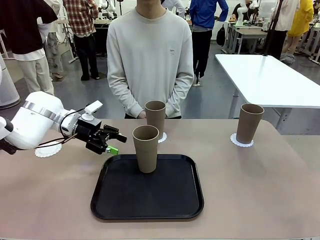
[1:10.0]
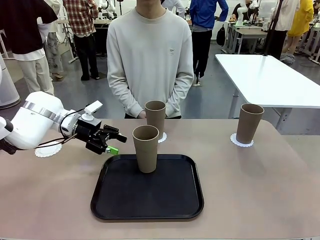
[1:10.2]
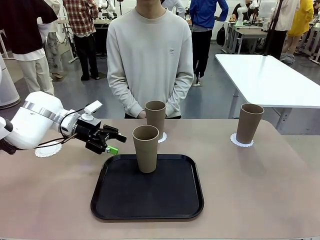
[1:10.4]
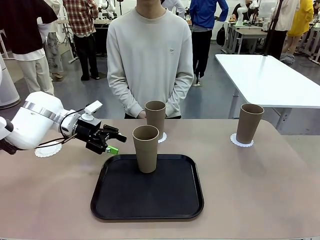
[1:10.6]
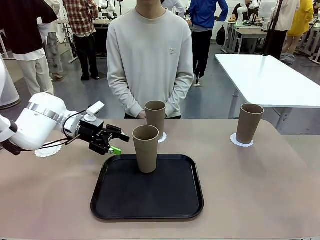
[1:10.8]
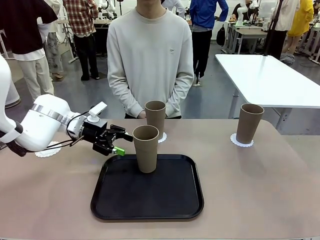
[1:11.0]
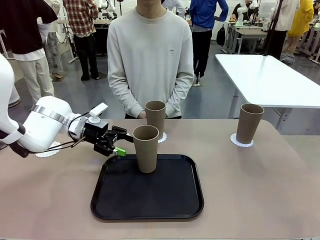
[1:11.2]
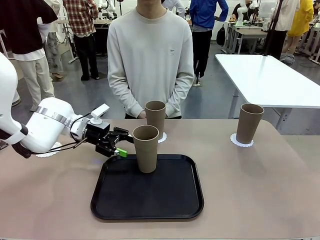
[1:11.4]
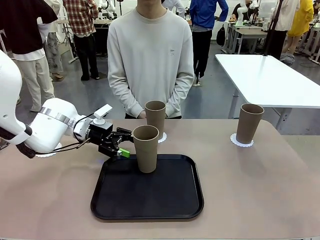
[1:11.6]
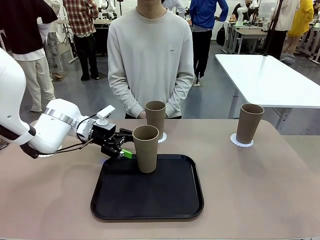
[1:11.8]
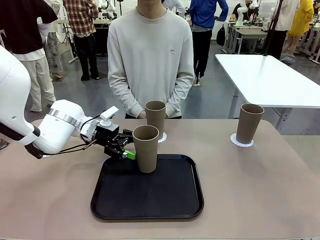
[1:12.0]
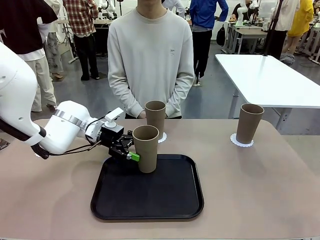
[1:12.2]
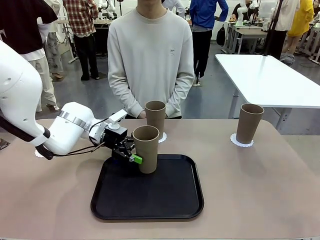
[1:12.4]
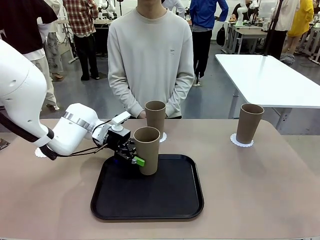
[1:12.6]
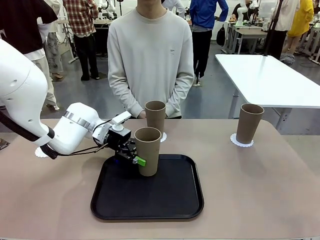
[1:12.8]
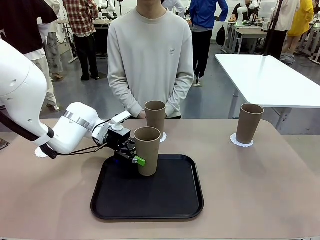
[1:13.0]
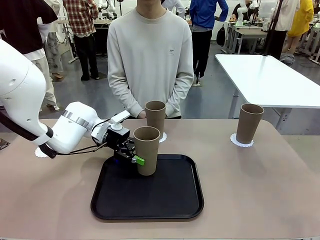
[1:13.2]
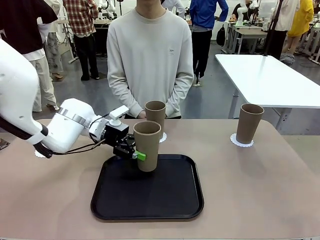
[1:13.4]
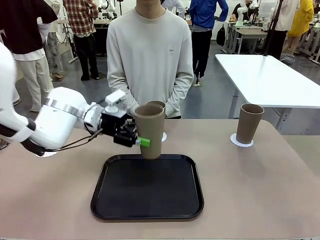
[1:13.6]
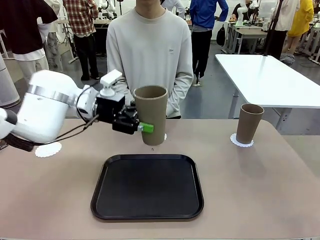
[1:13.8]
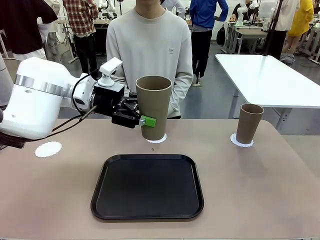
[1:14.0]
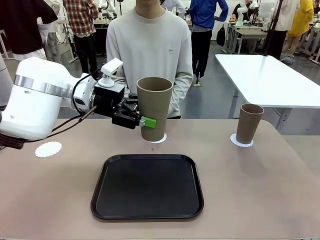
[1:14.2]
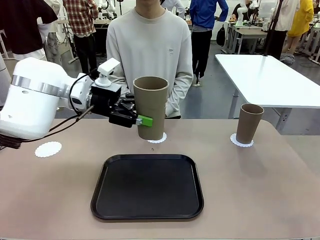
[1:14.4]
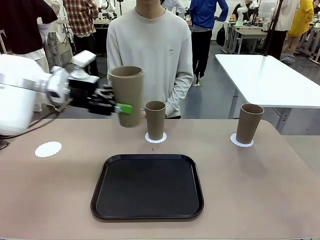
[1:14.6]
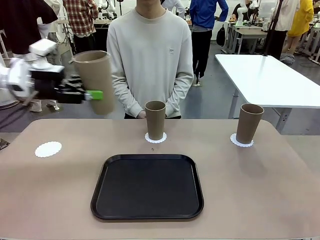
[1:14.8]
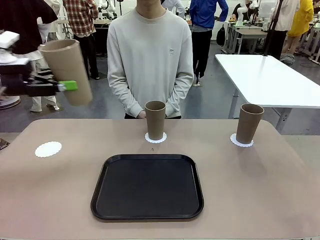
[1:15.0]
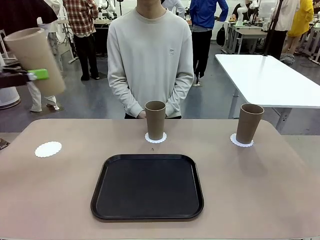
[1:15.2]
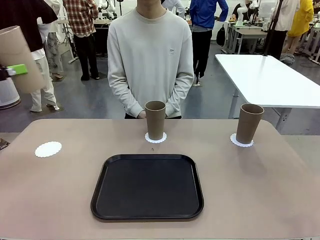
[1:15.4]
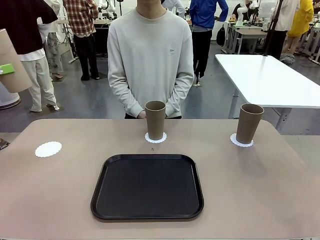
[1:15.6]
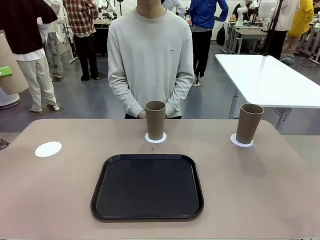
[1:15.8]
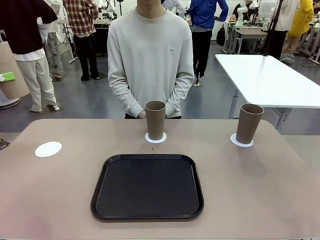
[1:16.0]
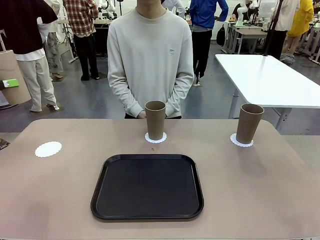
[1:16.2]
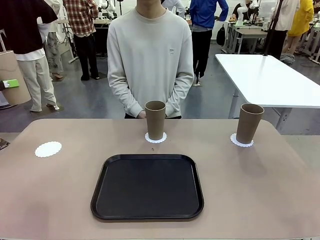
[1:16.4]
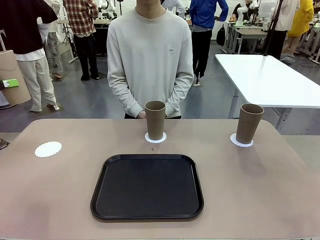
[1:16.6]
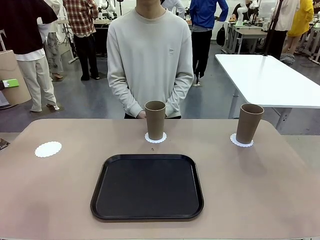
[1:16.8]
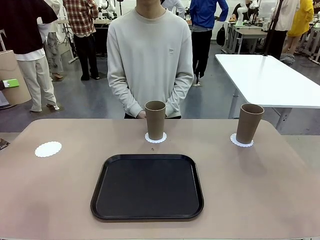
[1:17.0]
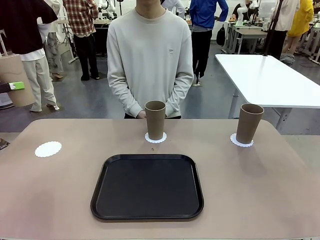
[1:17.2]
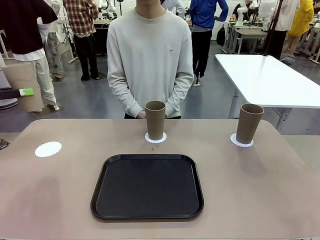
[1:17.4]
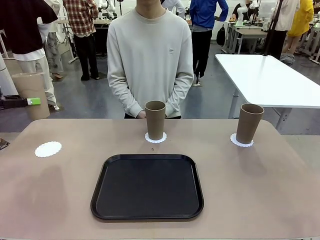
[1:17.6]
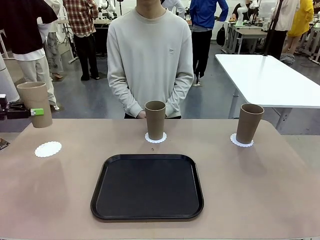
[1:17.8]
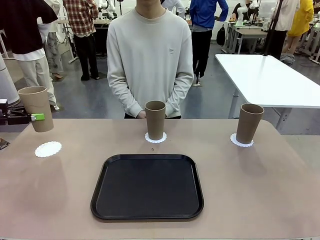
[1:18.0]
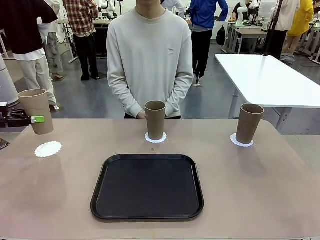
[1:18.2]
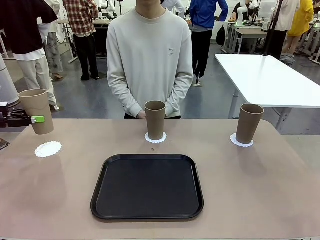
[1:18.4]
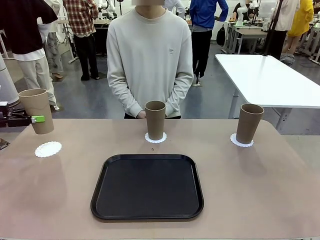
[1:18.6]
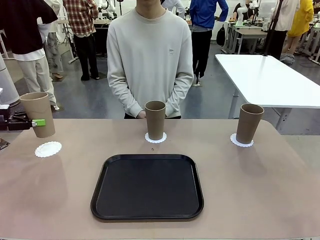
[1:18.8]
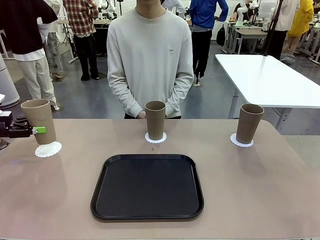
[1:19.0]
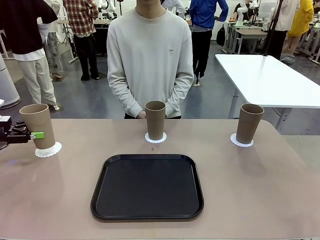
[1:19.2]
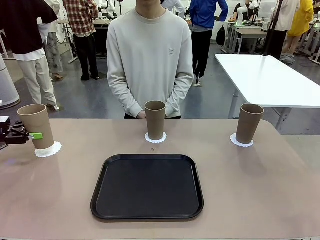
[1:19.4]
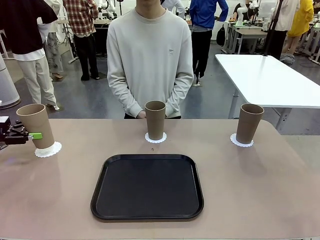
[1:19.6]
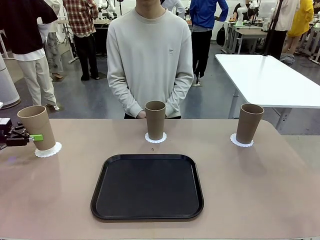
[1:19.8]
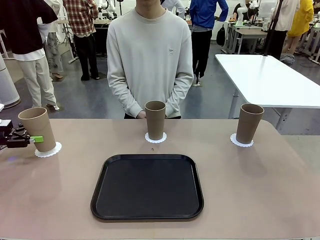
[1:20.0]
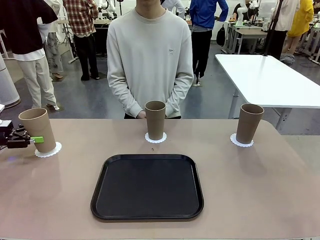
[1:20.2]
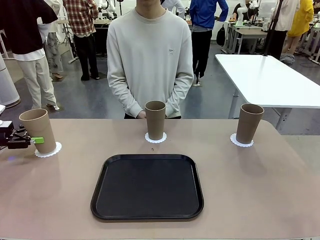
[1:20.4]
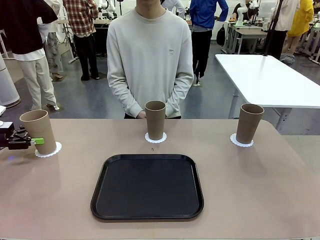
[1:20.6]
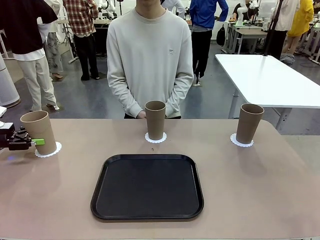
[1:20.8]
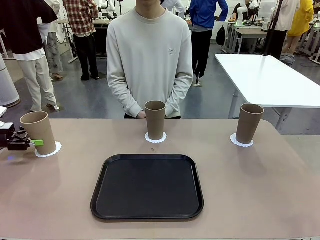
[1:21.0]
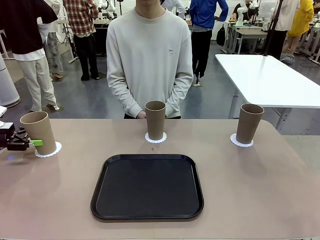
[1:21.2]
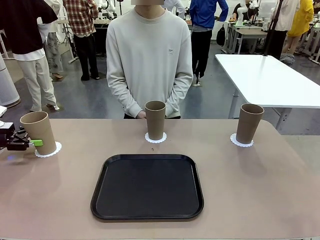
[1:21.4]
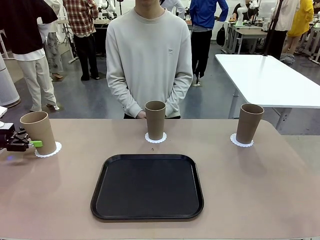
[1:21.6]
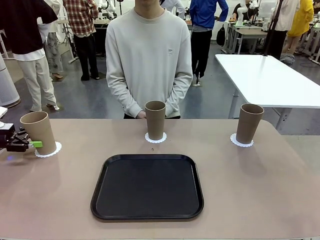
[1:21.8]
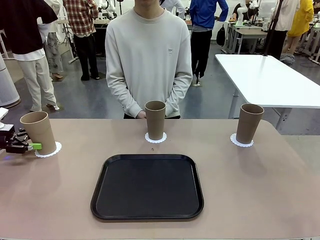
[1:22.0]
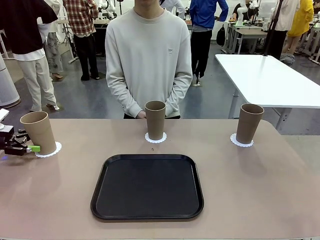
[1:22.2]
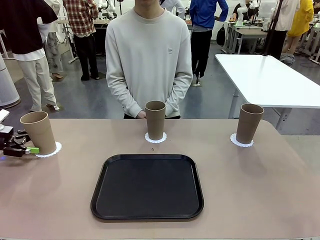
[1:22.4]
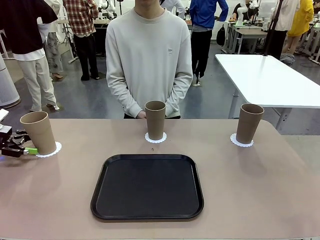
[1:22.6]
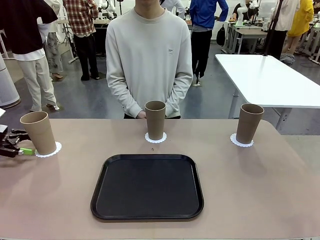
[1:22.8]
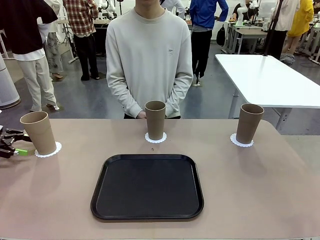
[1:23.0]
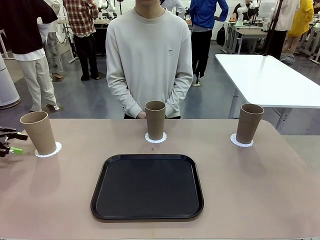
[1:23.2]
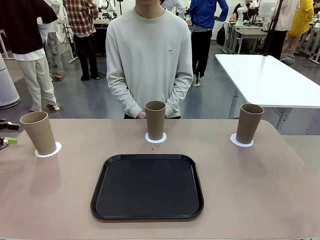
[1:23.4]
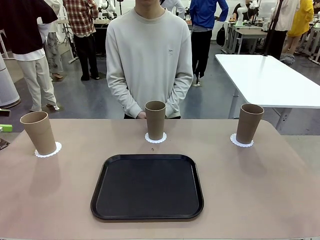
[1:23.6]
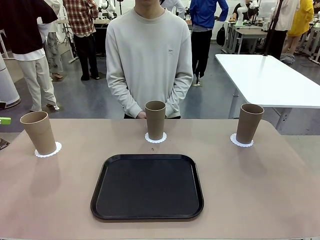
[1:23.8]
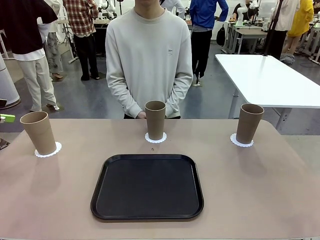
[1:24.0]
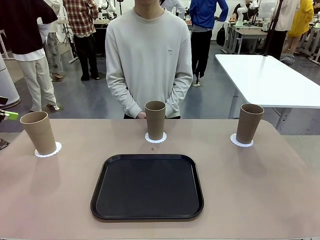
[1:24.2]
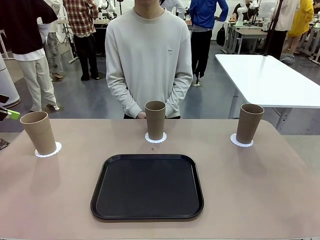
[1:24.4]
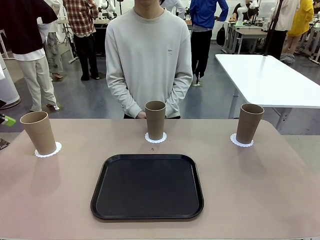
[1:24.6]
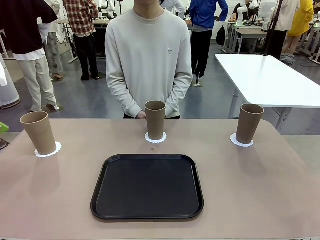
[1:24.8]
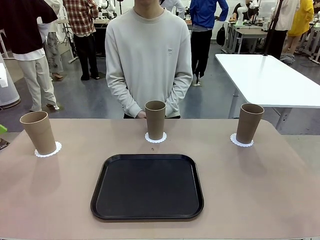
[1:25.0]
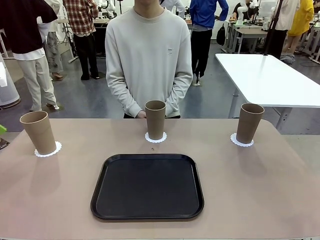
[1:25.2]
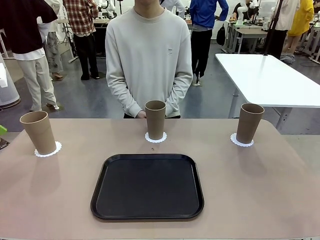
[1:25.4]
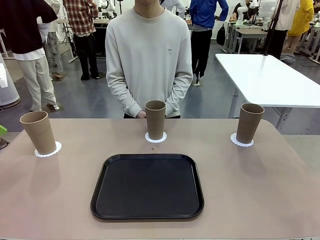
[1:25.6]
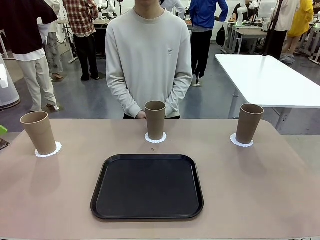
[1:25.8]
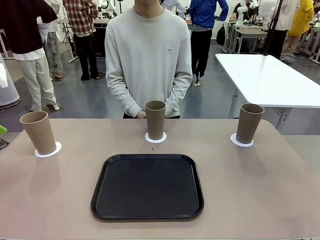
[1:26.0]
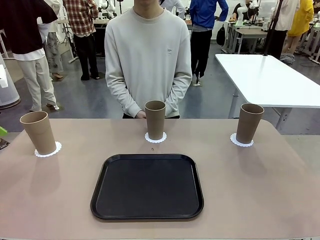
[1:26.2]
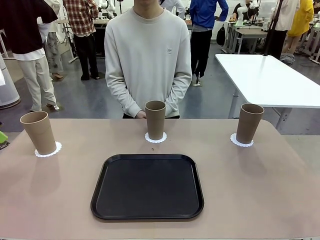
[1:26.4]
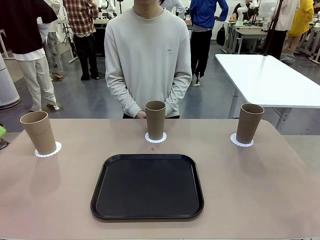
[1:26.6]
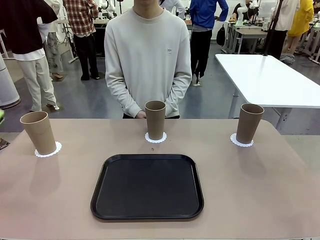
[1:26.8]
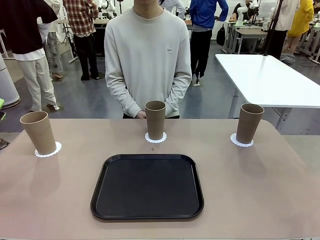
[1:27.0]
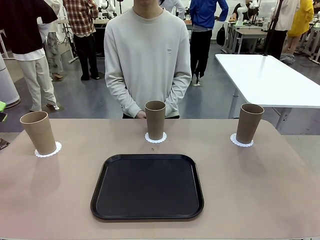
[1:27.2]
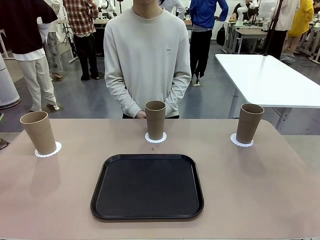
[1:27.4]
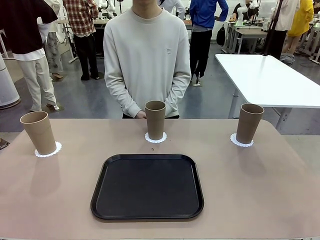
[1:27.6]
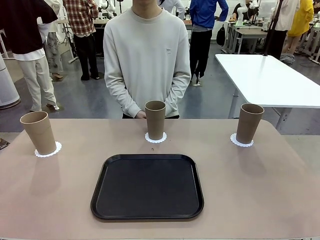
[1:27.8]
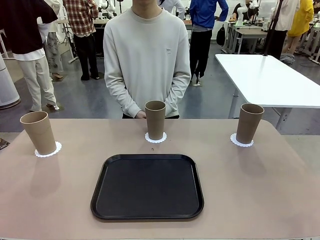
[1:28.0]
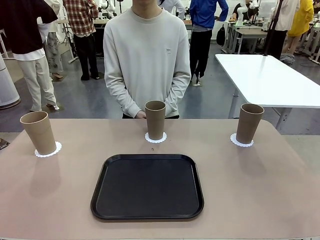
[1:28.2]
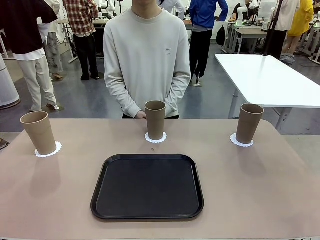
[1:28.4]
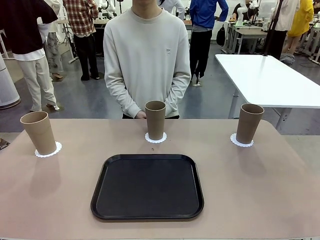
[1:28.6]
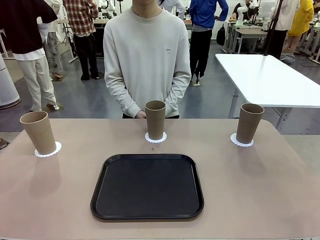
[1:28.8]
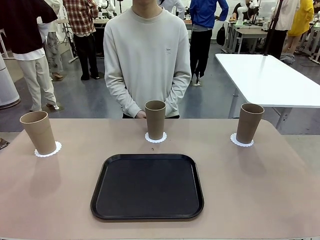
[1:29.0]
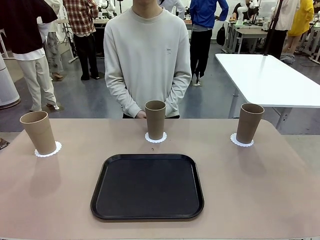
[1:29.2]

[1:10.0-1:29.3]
Task: Place coasters on the table and set cups on them.
Robot: Take one Reusable plastic cup from the Flat Tray and place it on a coaster set by the human.
